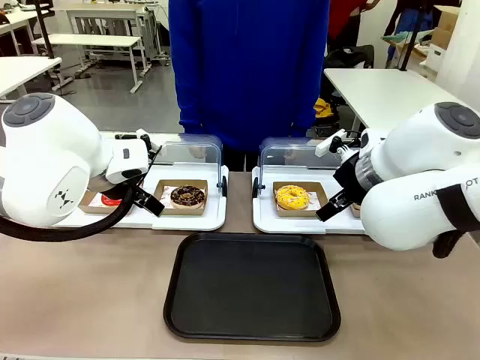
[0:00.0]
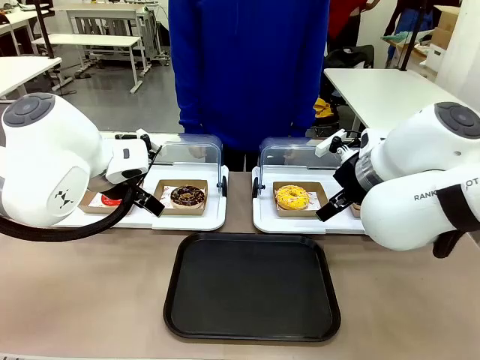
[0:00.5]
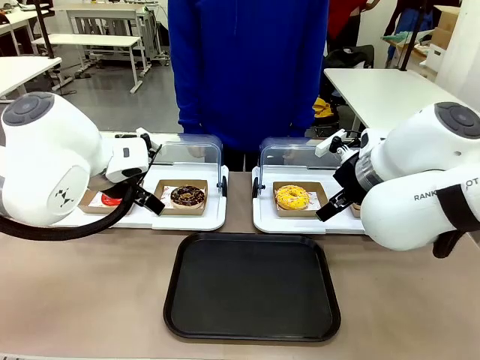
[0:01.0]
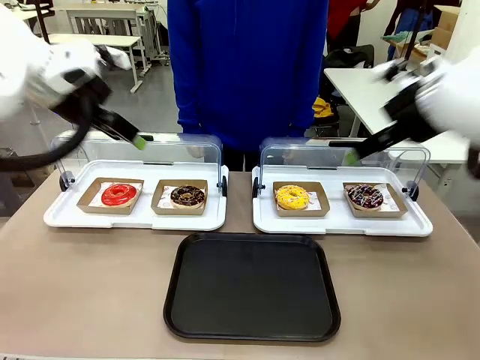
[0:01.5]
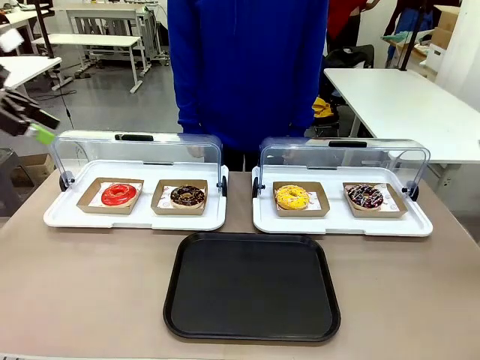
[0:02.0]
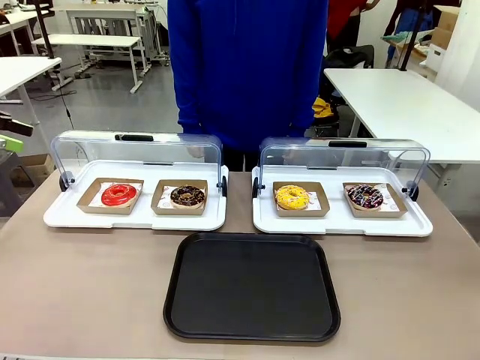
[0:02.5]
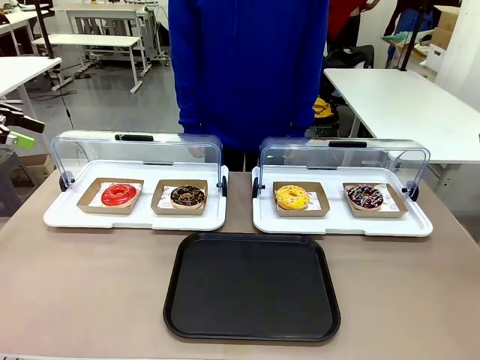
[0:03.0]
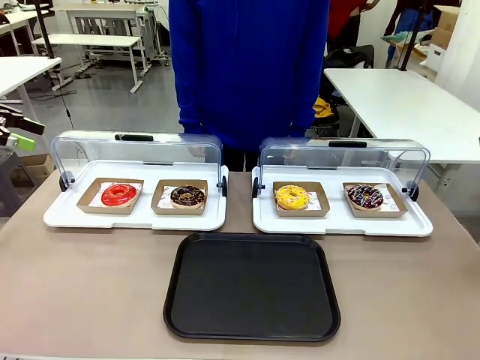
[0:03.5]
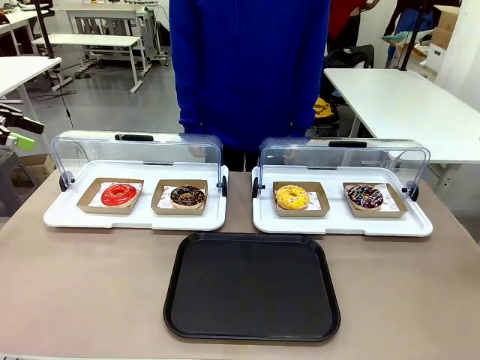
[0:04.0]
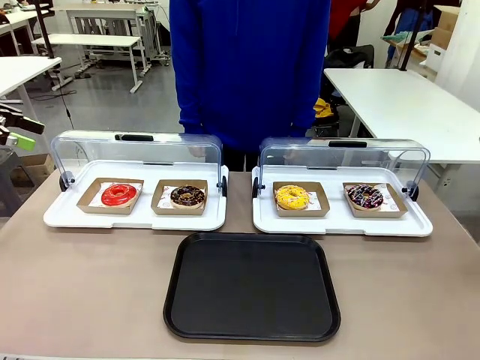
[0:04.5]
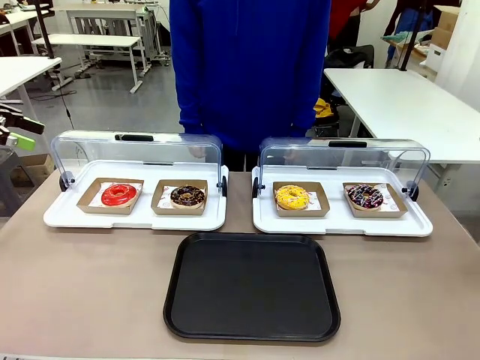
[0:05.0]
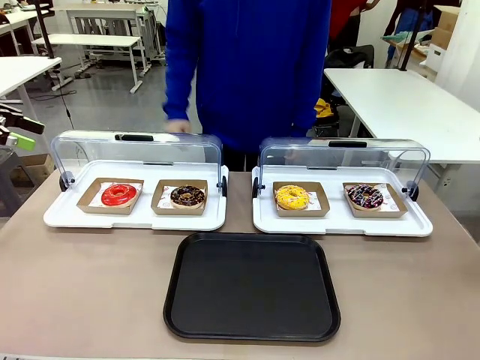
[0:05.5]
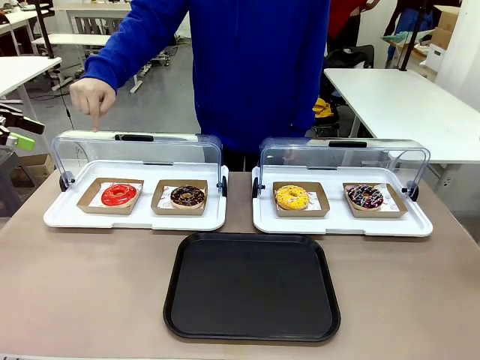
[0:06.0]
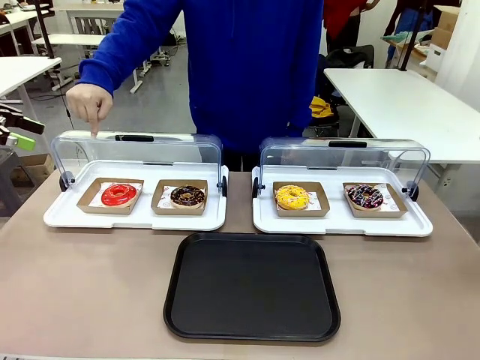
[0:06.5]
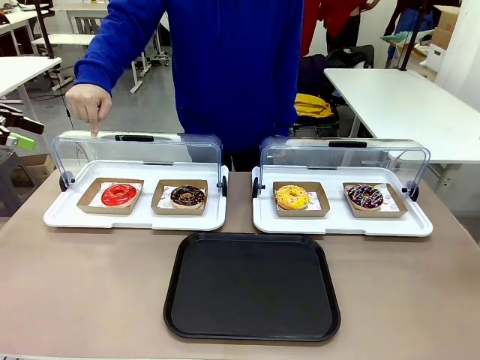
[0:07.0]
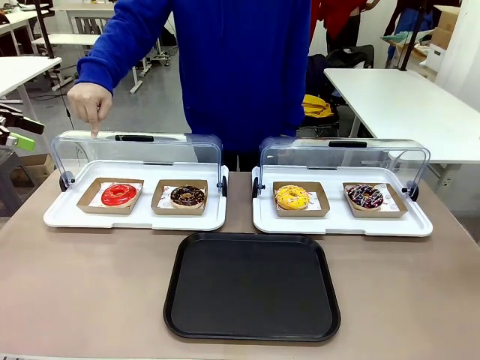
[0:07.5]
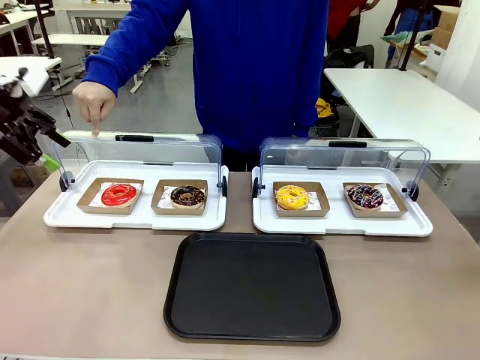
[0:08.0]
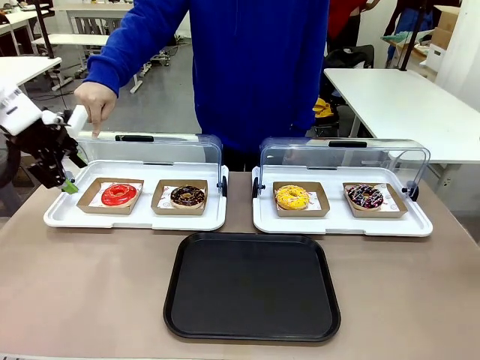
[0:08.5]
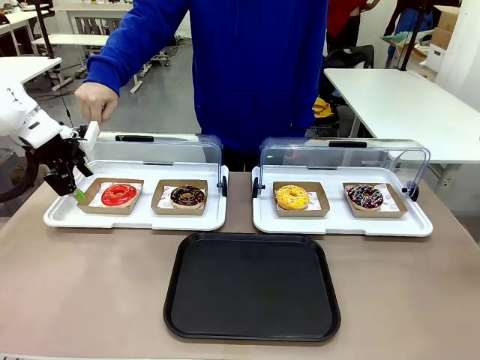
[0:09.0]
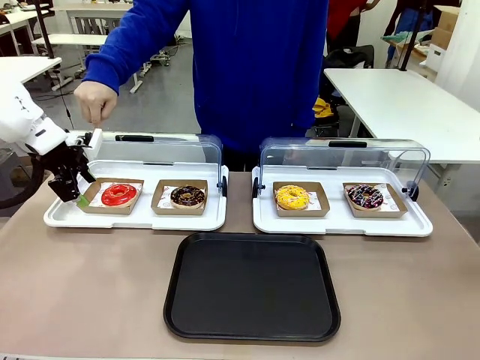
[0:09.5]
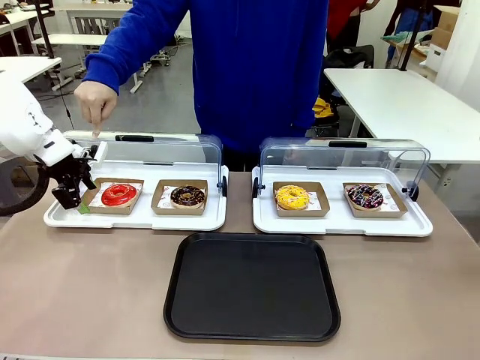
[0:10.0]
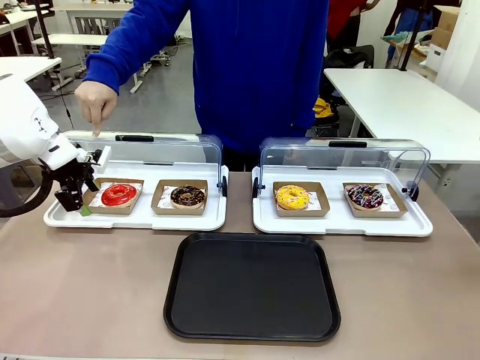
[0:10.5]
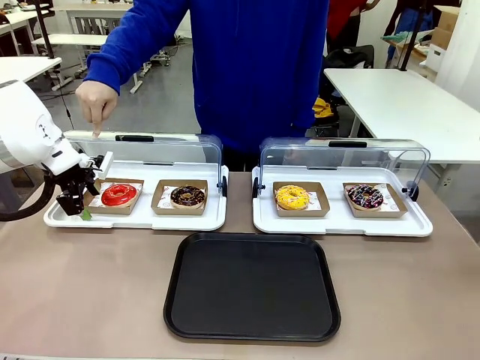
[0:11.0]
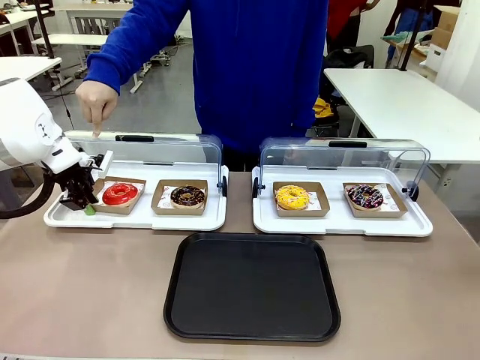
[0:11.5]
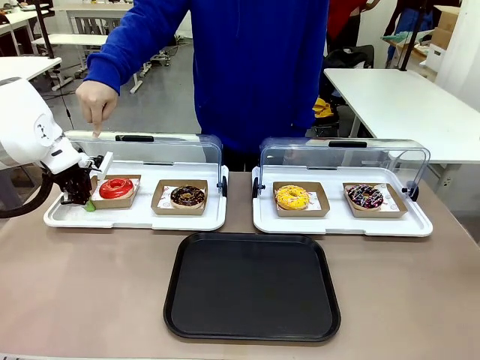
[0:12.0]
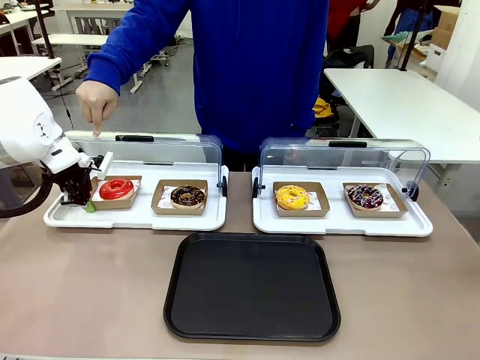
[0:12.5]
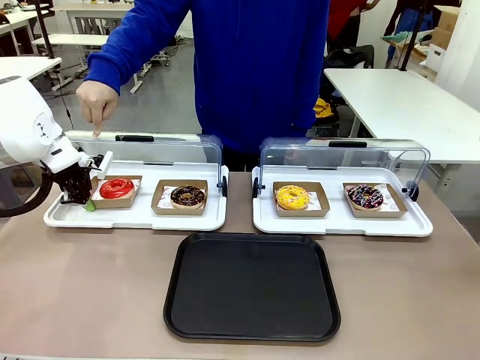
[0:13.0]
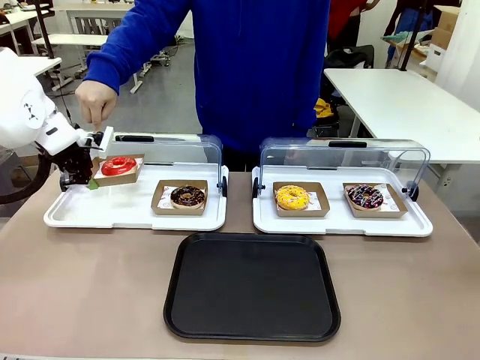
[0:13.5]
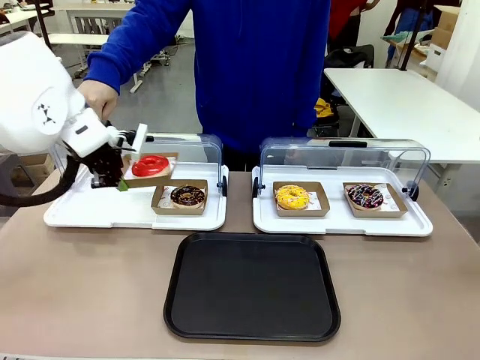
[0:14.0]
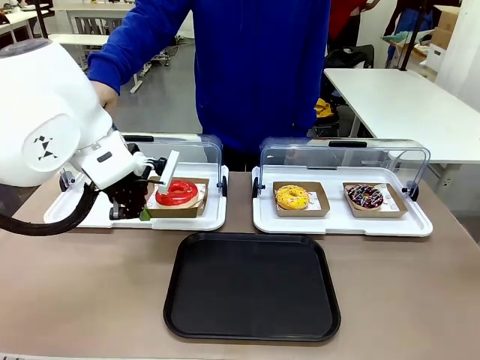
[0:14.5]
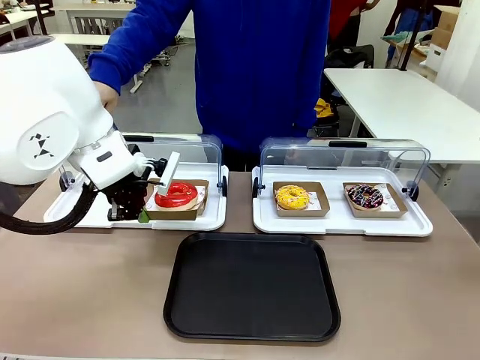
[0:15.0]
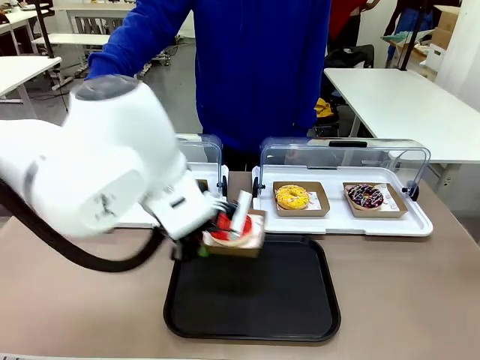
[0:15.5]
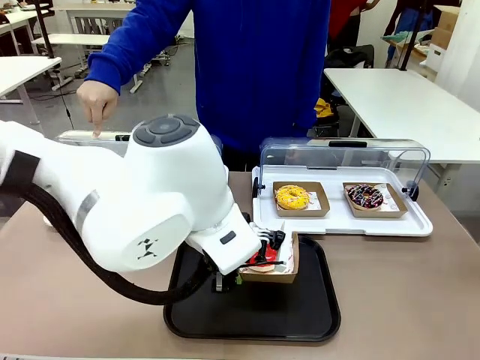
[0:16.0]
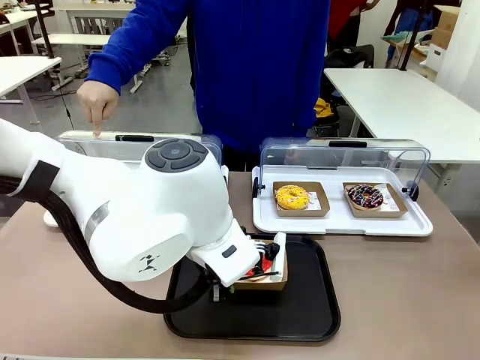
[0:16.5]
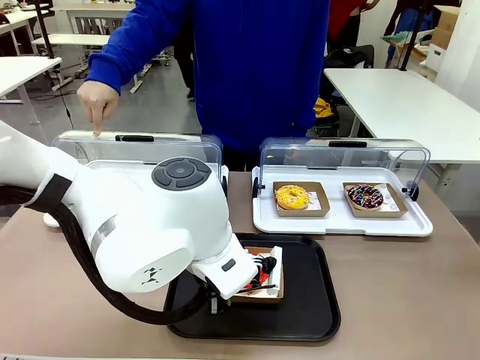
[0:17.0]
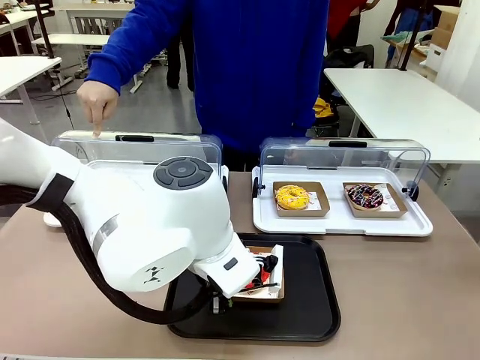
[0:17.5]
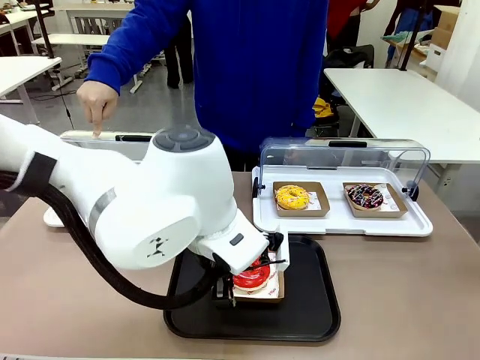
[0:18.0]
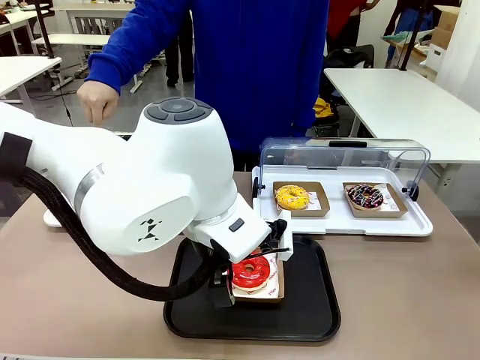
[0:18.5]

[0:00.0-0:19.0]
Task: Move the first donut from the left to the tray.
Robot: Pick up the Paper togo box containing the Donut indicated by the person and place it on the Handle tray.
Person: Points to the first donut from the left from the robot’s perspective.
